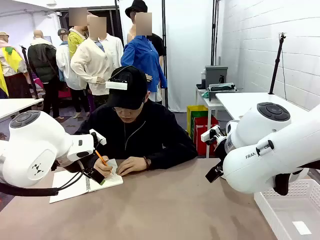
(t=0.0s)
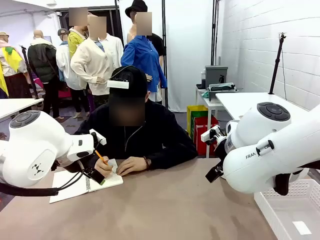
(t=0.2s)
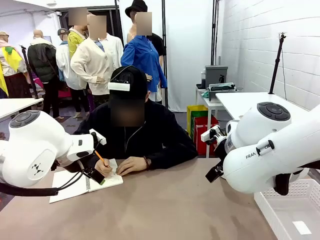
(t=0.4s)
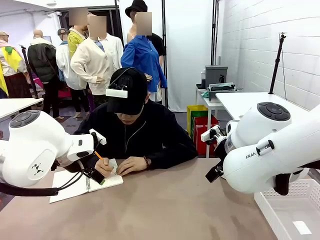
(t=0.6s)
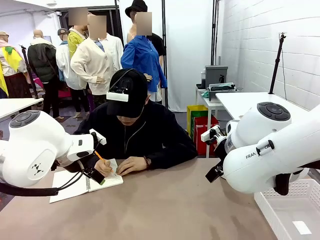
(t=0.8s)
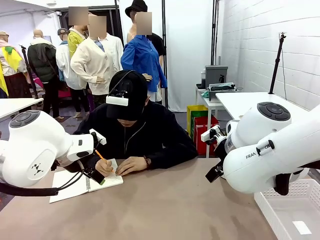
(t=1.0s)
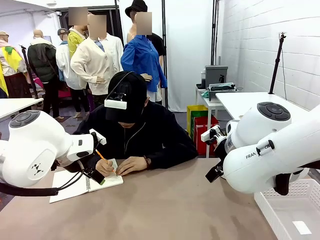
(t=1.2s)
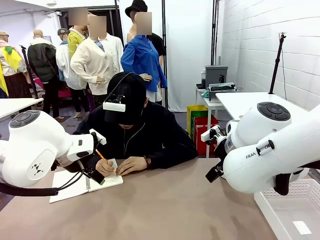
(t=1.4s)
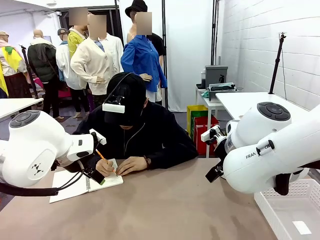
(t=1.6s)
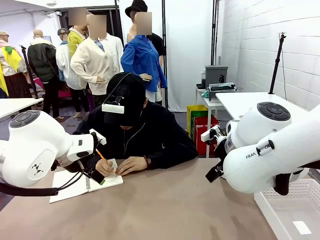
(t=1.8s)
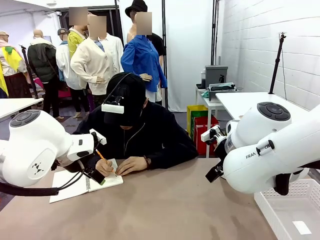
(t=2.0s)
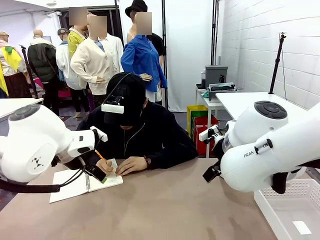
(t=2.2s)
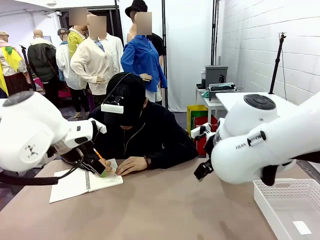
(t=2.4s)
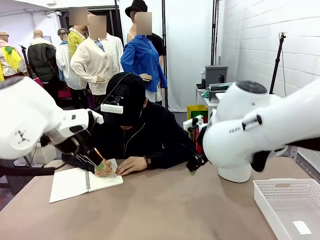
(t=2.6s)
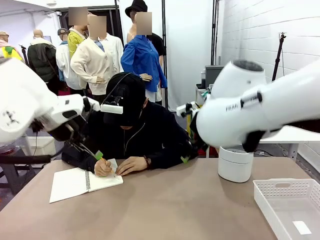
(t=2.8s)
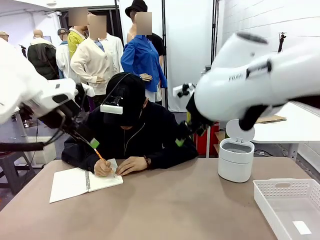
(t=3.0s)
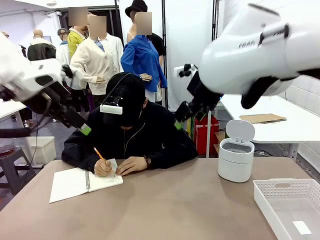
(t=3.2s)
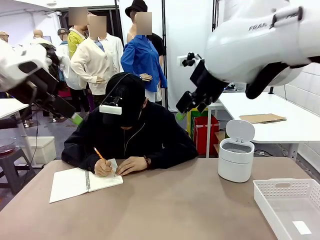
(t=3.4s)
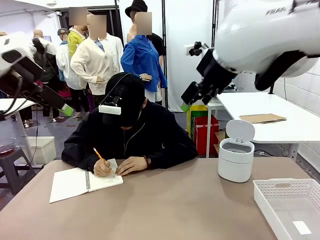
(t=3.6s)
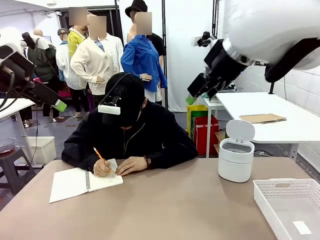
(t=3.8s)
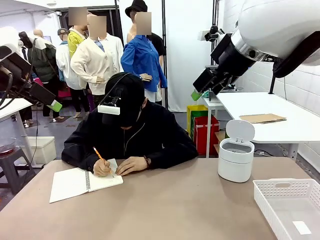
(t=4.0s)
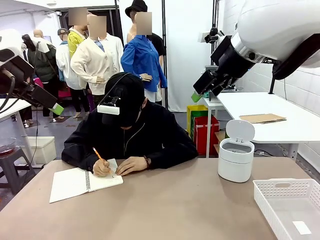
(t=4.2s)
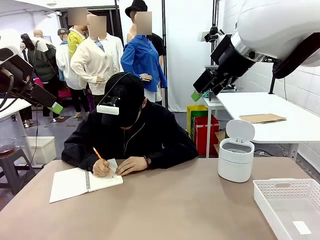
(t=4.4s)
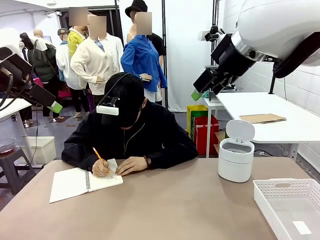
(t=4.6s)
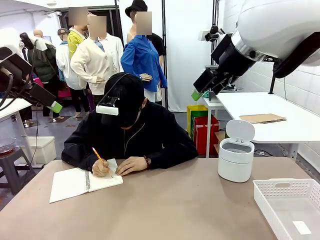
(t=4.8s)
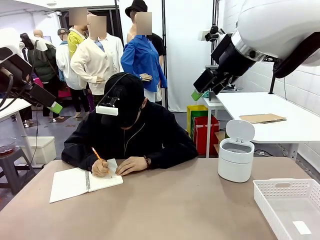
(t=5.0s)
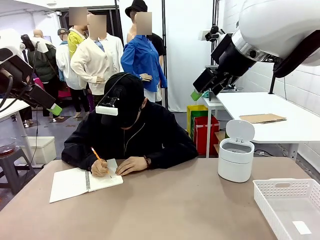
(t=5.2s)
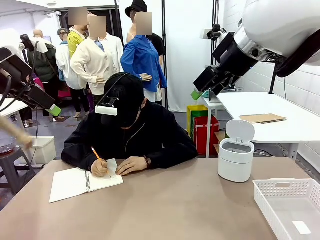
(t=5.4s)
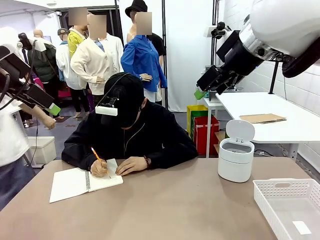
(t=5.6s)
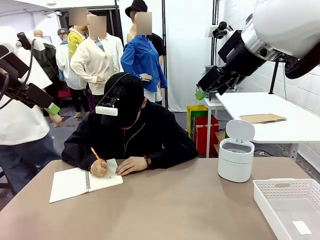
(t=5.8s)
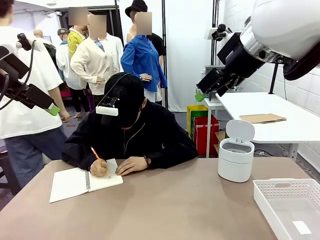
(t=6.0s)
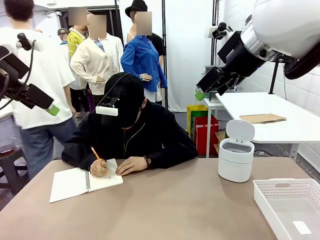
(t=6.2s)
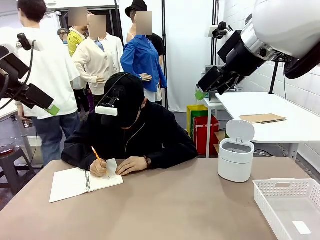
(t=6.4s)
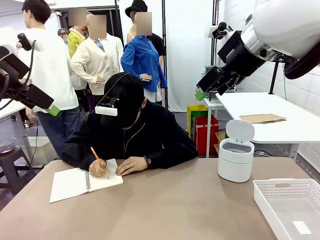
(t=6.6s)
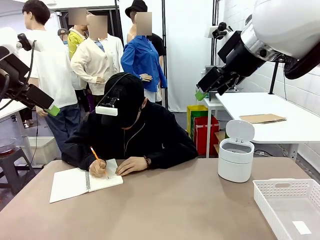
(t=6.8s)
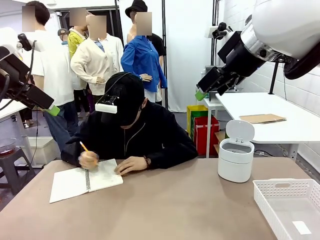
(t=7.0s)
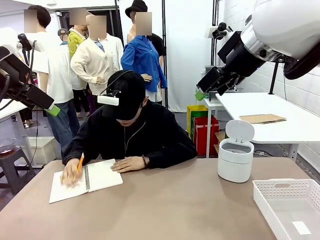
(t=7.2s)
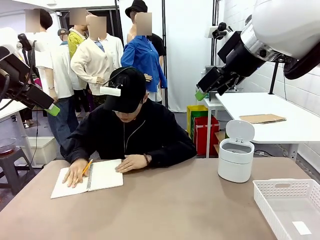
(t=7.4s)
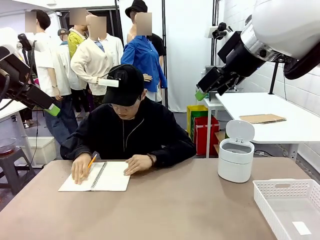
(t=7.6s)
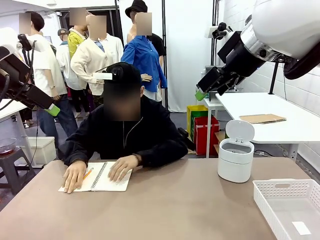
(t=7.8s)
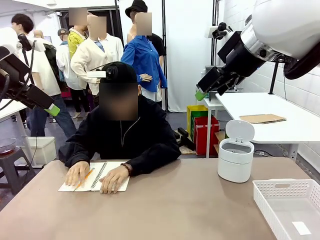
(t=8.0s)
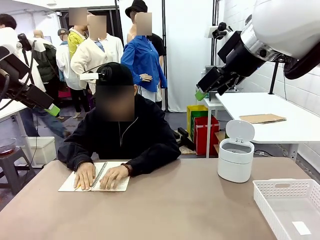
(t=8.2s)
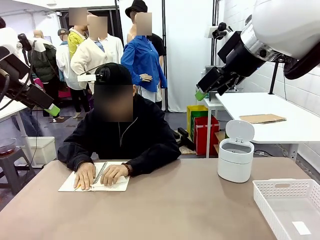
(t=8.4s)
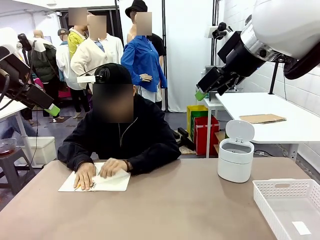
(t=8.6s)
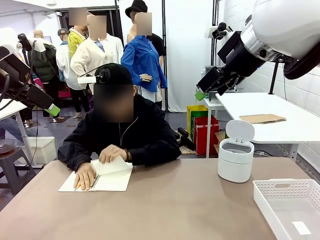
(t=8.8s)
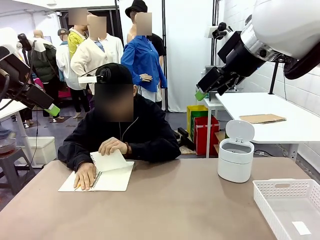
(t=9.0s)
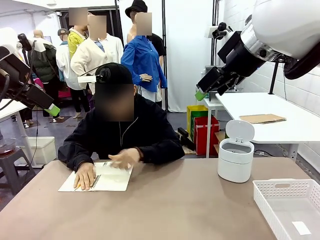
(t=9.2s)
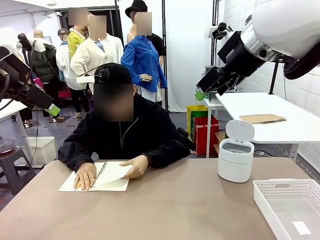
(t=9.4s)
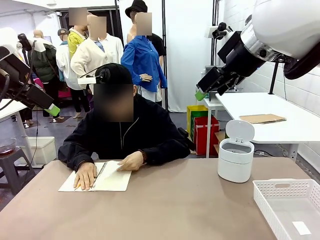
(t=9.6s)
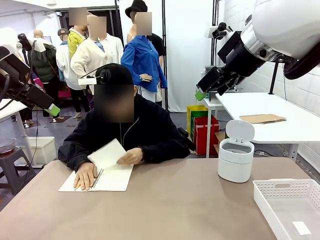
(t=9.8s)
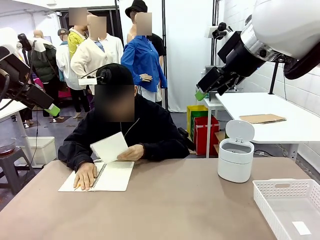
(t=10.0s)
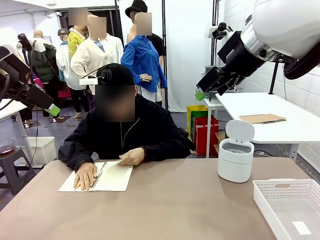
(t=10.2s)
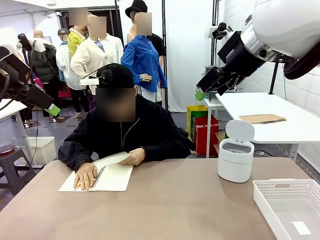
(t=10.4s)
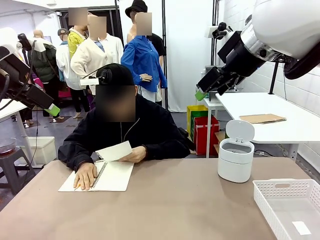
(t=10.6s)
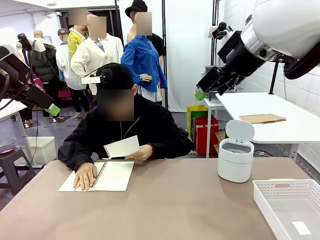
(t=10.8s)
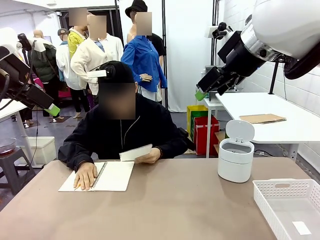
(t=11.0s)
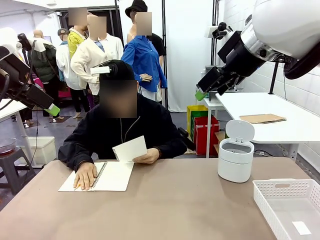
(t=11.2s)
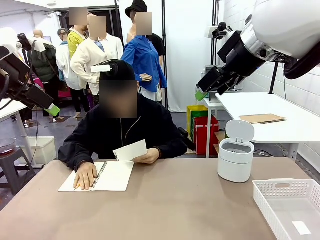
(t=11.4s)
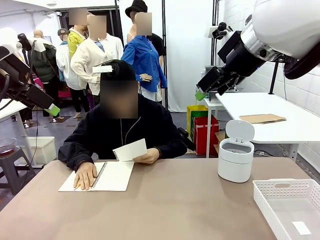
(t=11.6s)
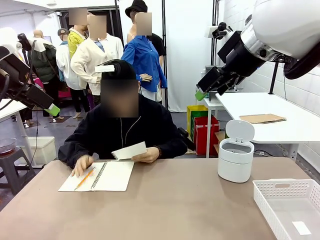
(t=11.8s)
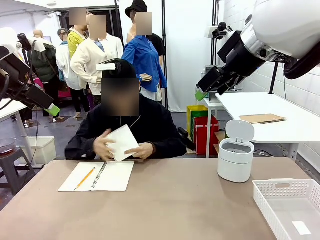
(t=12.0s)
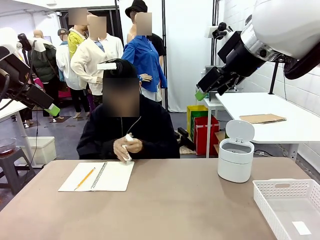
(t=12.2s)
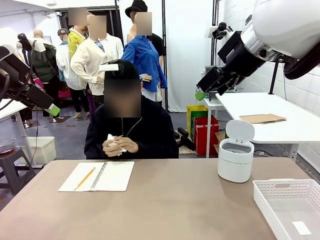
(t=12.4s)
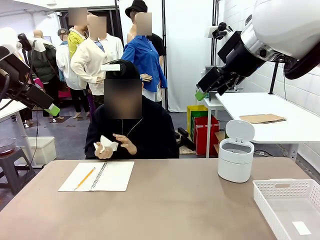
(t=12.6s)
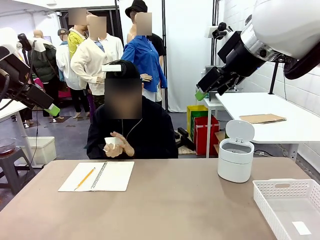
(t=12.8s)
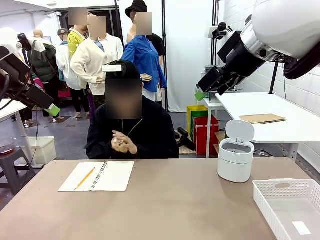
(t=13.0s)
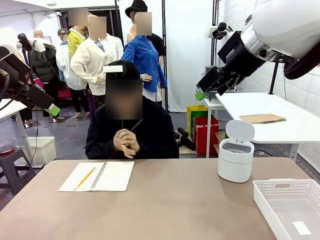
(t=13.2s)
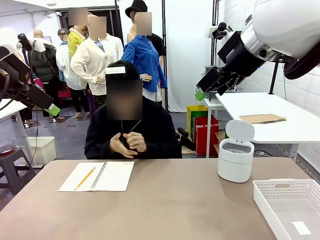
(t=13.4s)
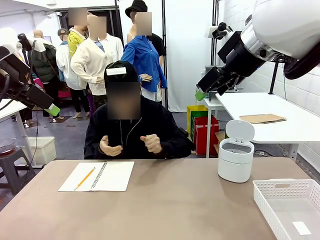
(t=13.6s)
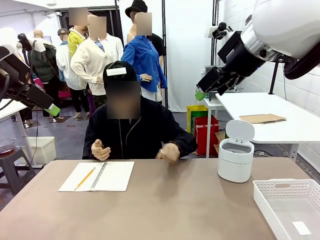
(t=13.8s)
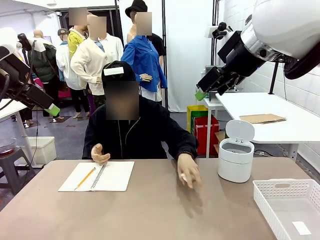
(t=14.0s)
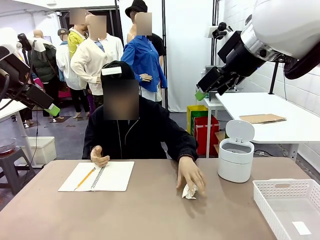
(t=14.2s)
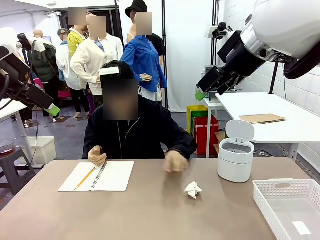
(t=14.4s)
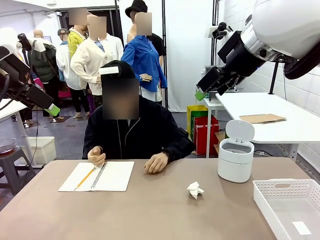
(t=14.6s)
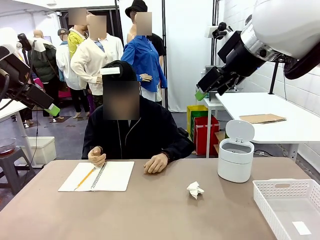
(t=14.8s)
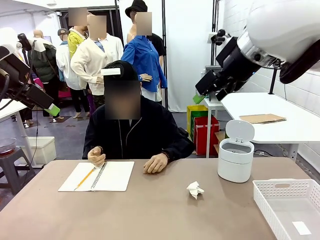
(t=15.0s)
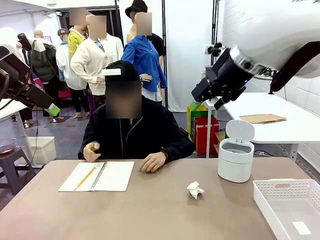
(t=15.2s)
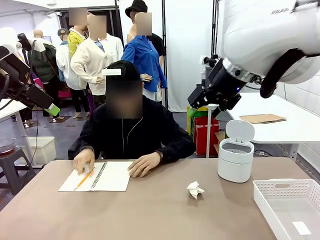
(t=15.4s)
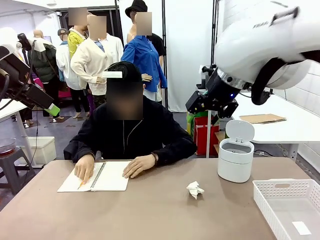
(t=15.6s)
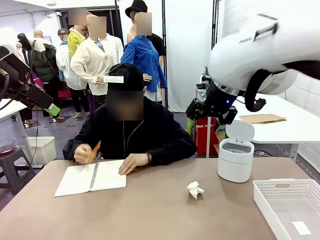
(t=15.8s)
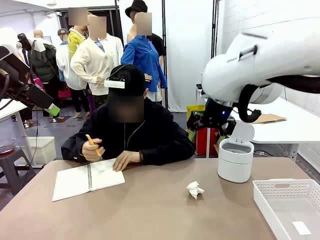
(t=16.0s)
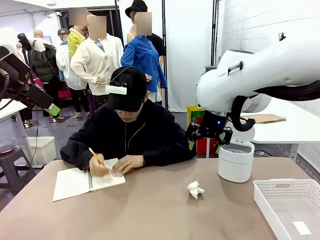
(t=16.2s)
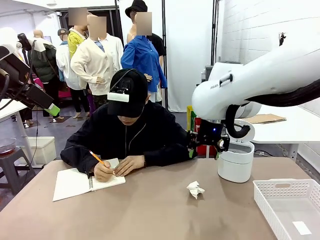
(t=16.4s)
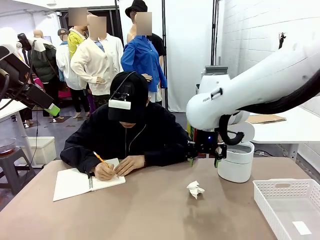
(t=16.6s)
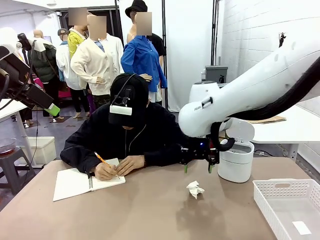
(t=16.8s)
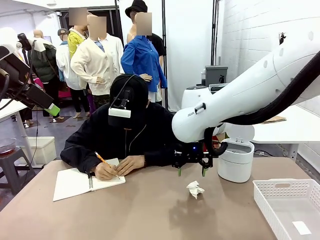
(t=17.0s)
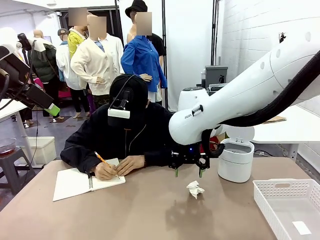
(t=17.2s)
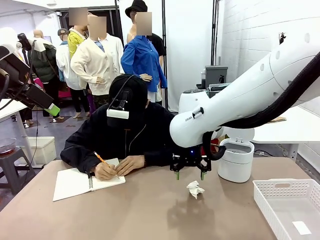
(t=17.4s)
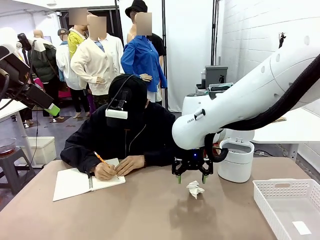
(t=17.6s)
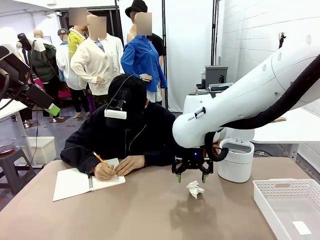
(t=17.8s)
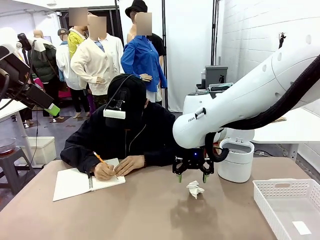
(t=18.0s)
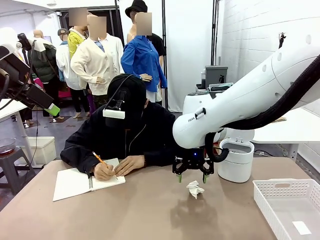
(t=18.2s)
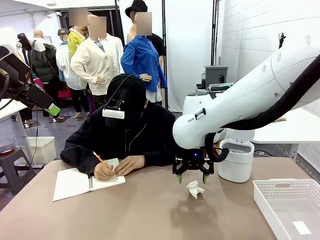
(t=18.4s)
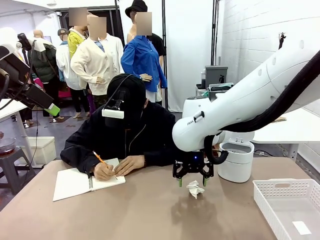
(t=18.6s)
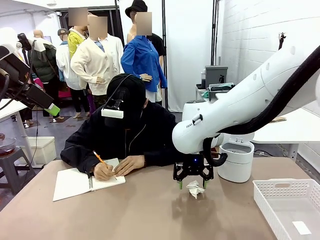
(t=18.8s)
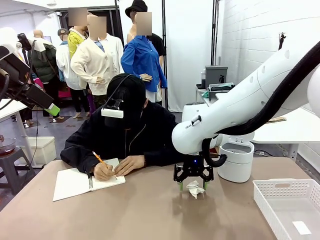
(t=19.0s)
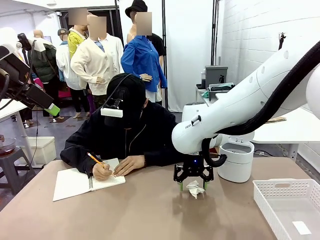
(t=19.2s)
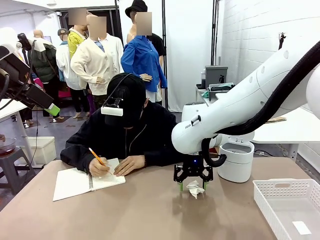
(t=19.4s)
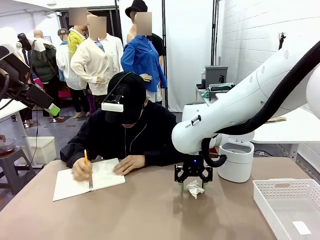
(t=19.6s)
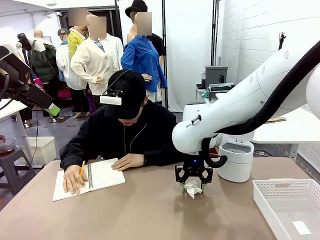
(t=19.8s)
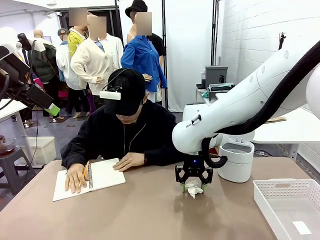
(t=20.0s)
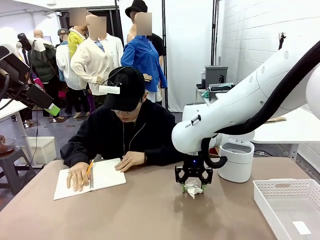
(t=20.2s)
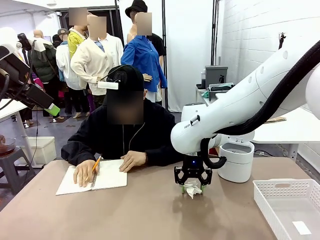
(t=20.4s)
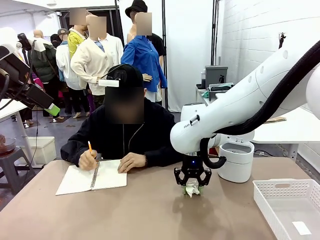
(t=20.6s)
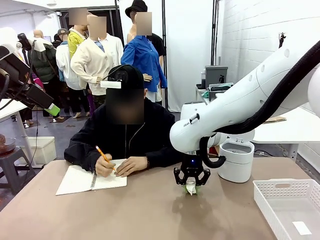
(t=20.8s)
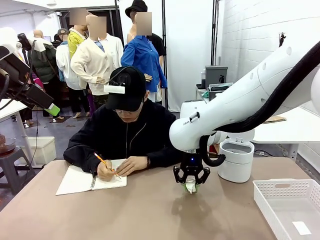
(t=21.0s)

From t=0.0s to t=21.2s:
Task: Sort the paper based on its condition.
Robot: If a person hands you a paper, place it in the Organizing basket , and if it's crumpled, put it in the Trash can.
Person: Tear out a page from the spiral notebook. Hand the torn page to the robot or crumple it and throw it to the center of the table.
